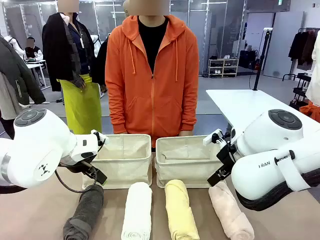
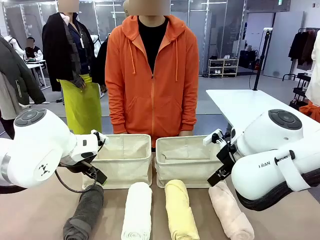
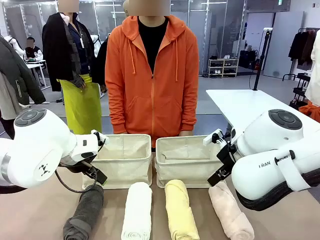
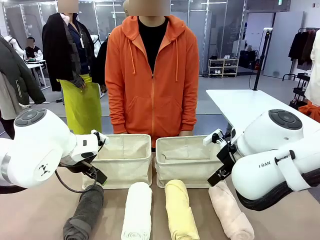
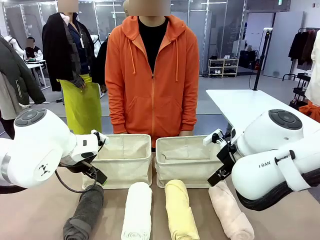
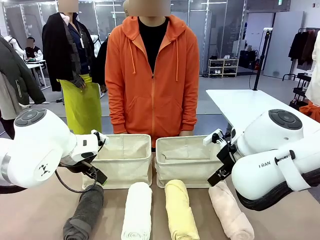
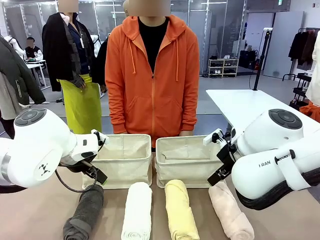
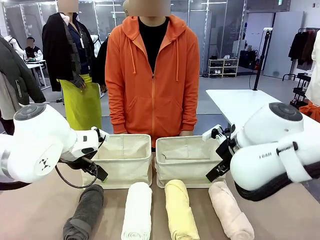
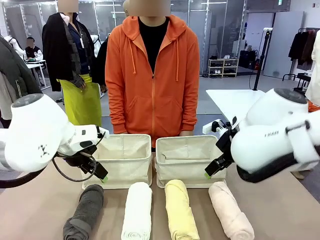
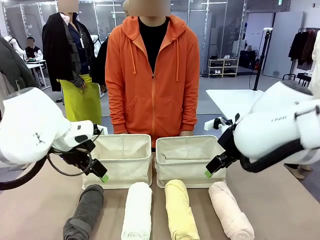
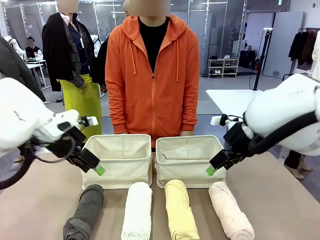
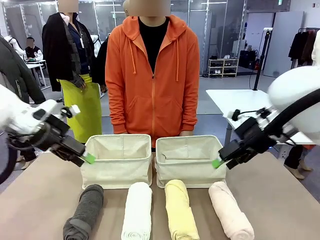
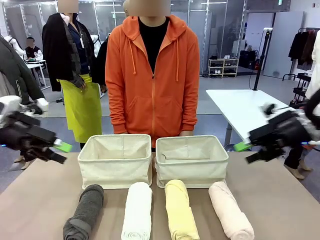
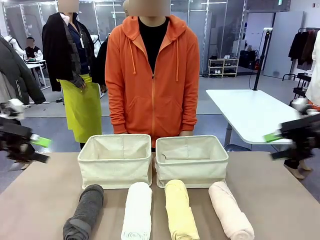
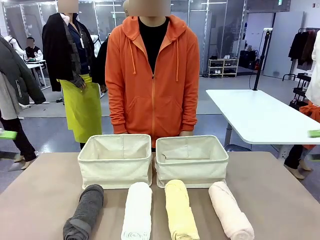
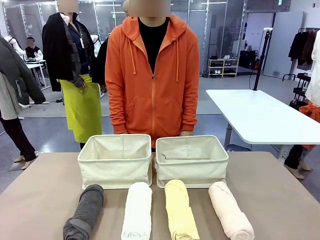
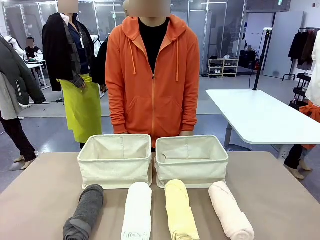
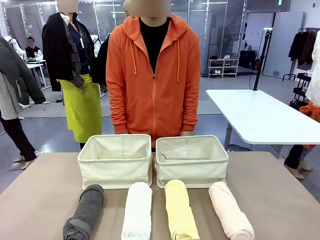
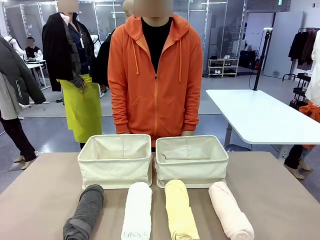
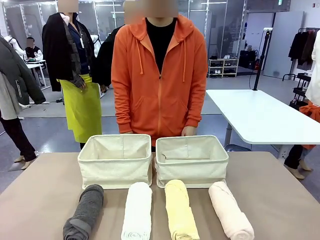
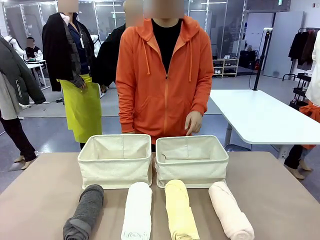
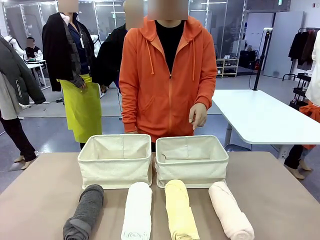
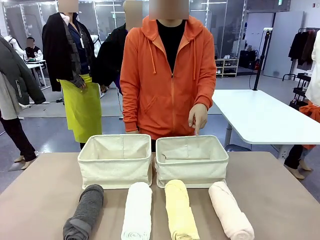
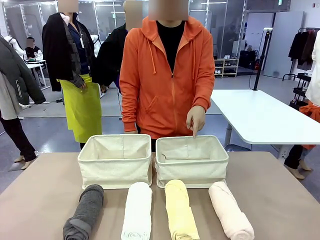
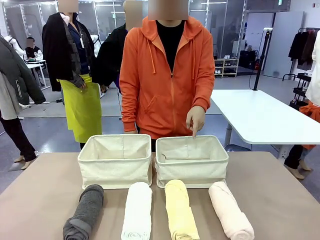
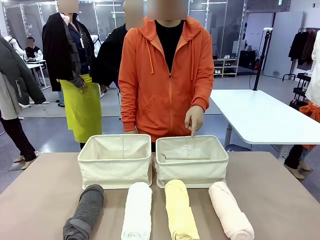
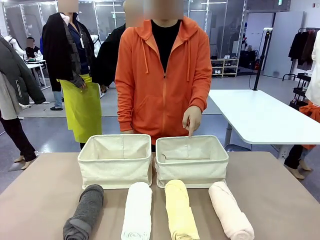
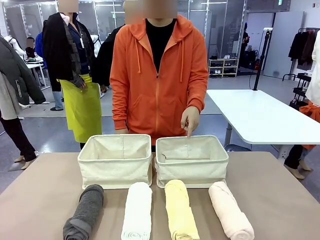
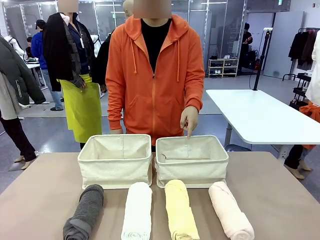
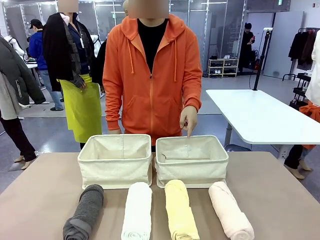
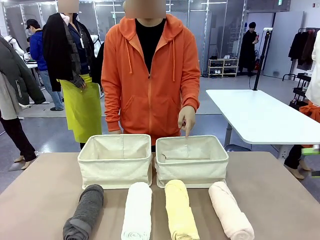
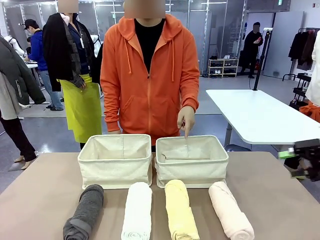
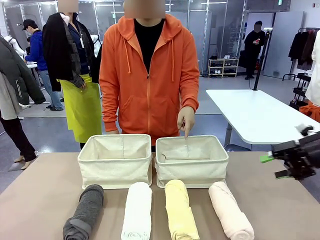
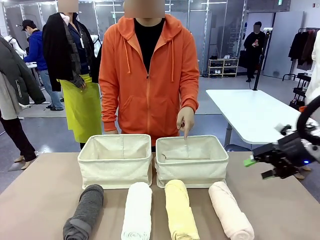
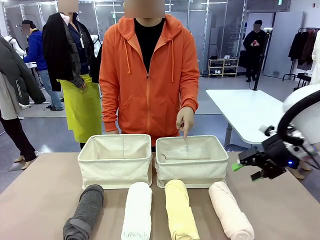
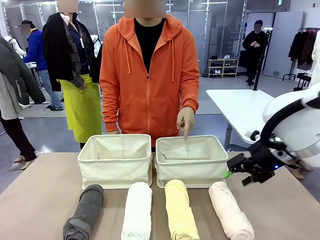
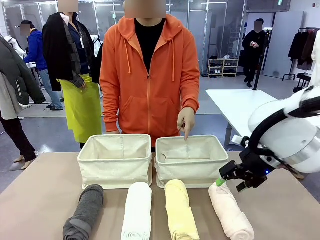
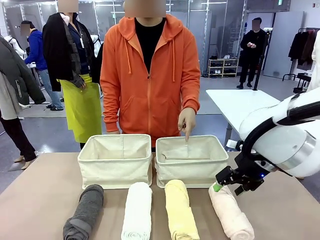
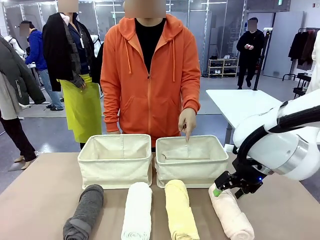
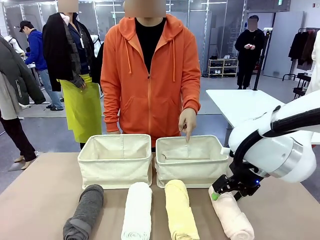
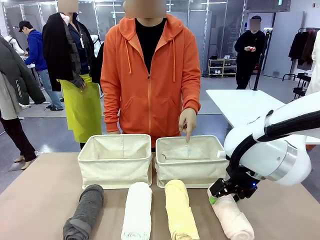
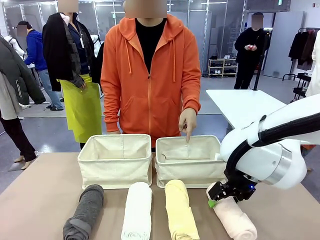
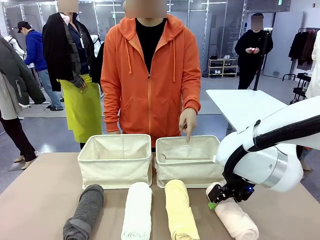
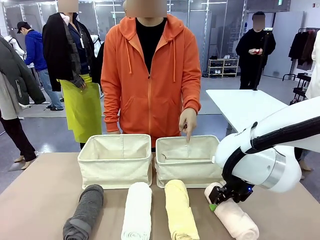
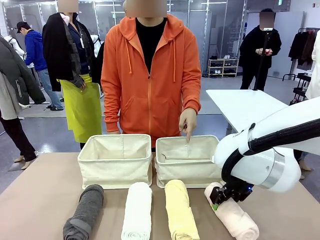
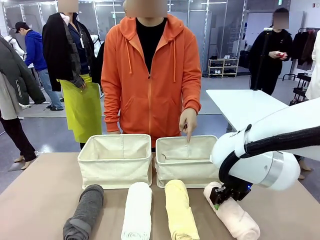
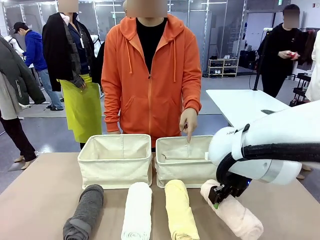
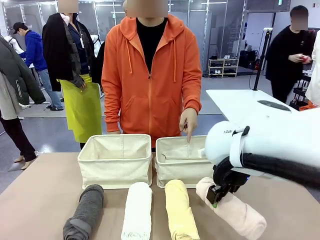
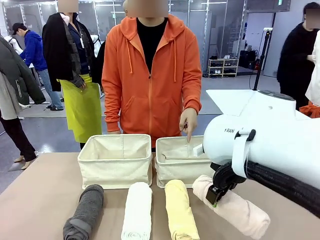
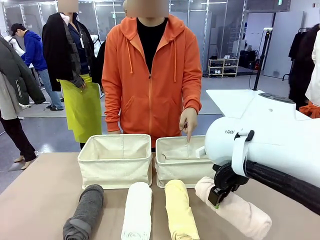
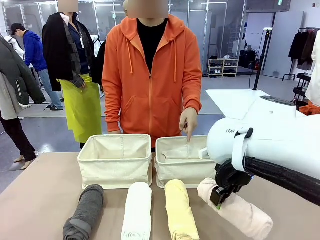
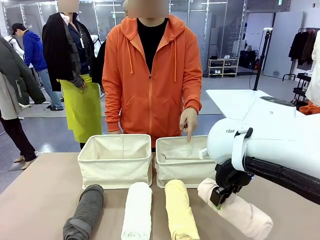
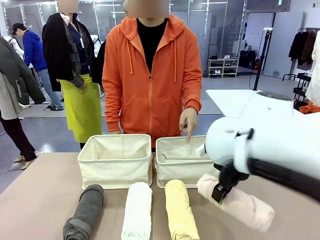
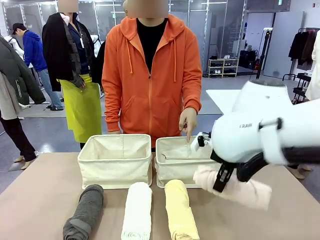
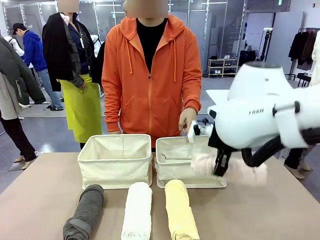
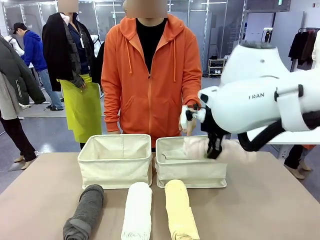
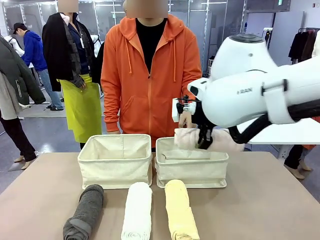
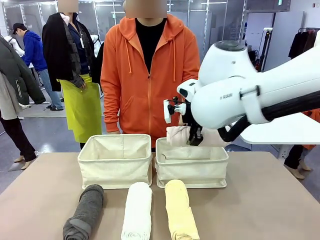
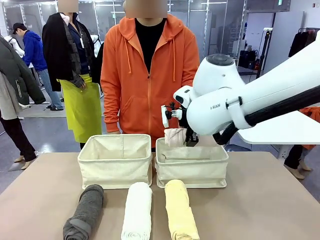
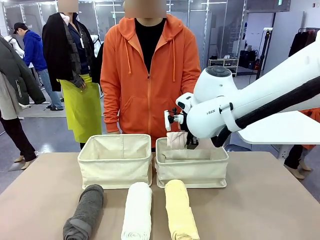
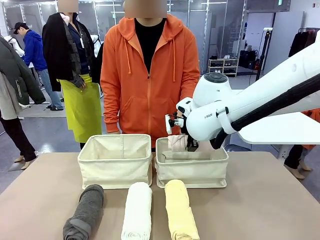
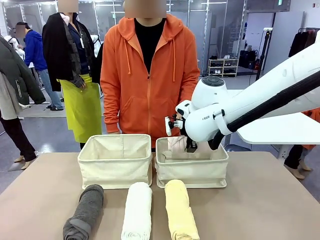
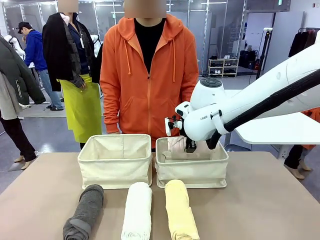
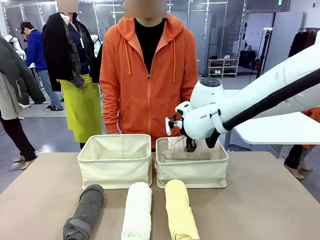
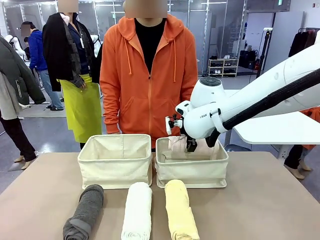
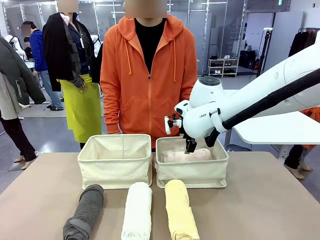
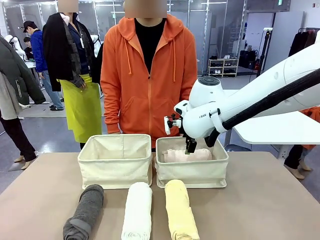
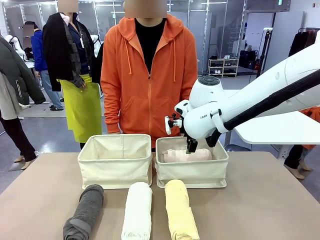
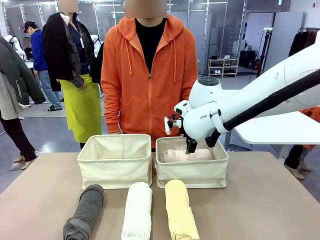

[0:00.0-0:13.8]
Task: Divide the towels into two baskets.
Robot: Pick up one hotel-folded towel and place it in the Fabric basket indicated by the person.
